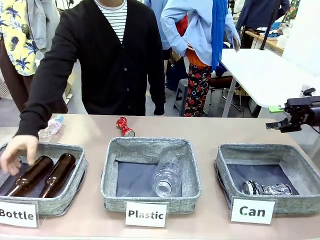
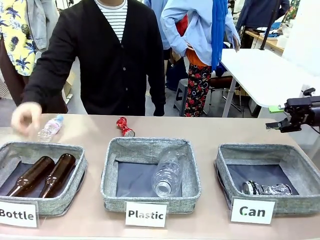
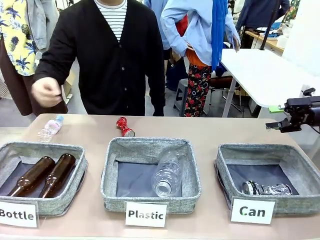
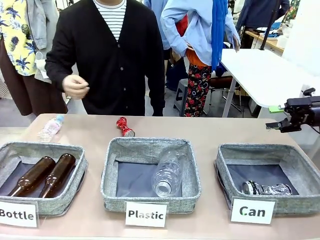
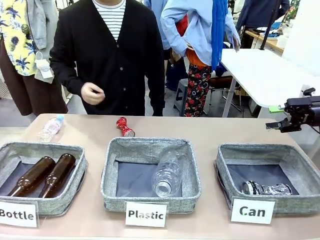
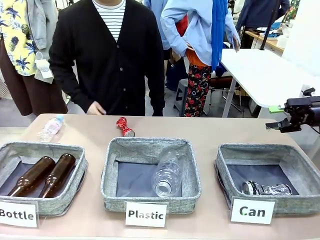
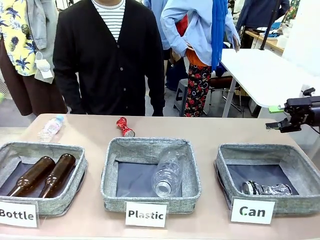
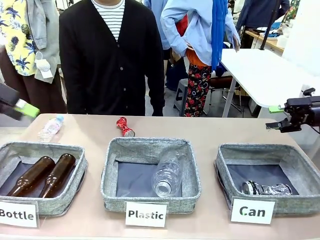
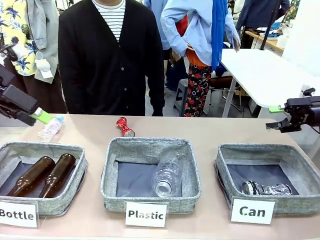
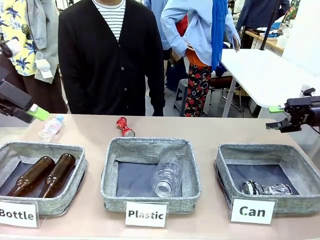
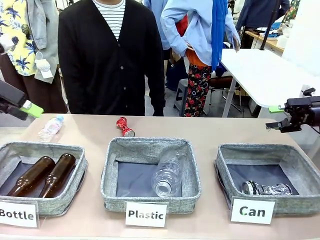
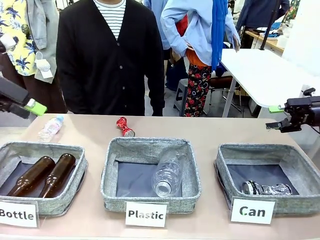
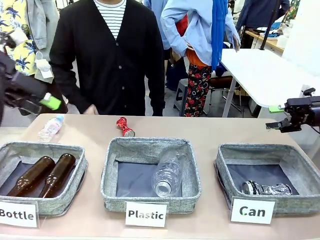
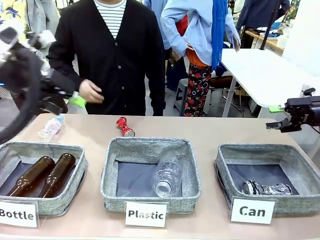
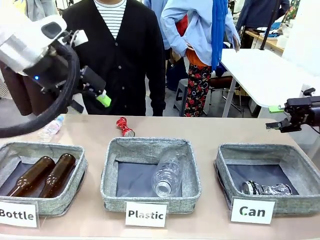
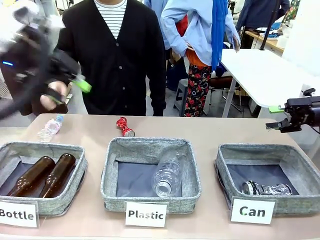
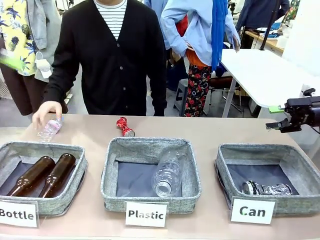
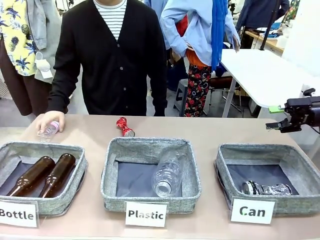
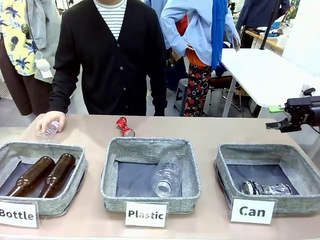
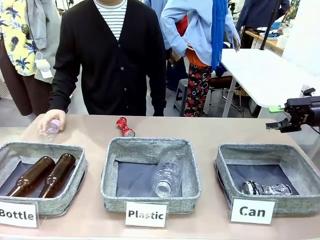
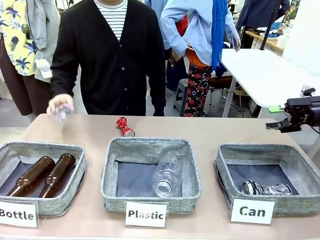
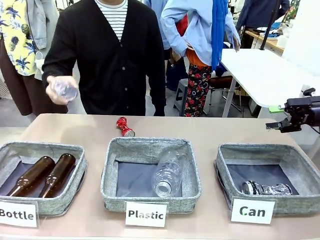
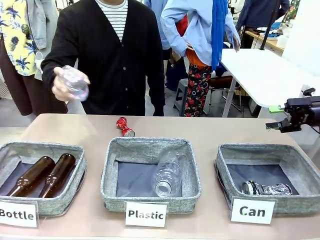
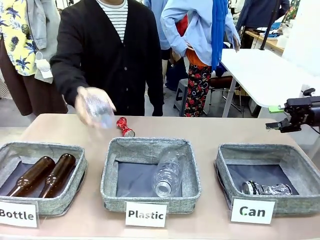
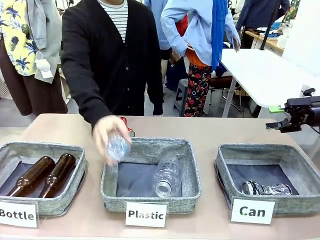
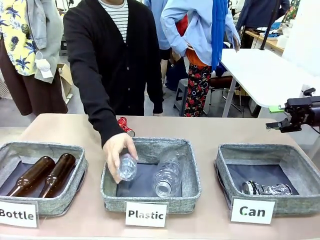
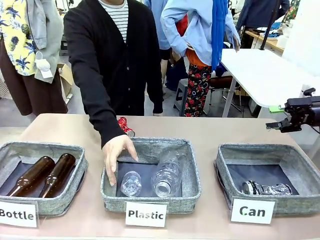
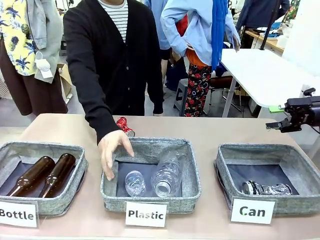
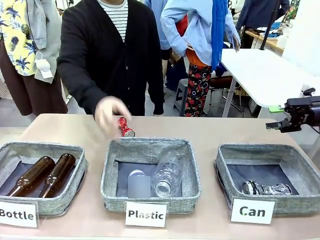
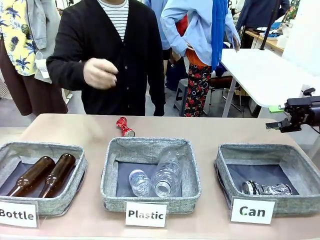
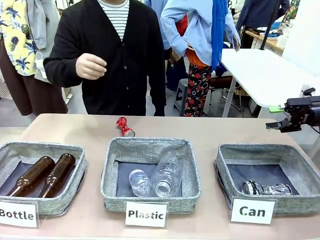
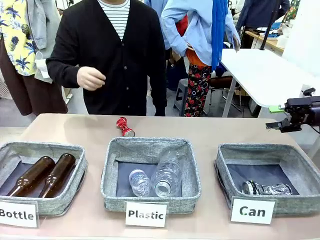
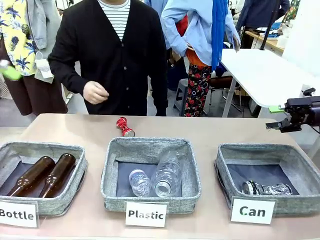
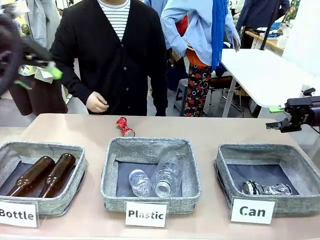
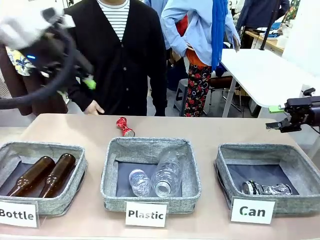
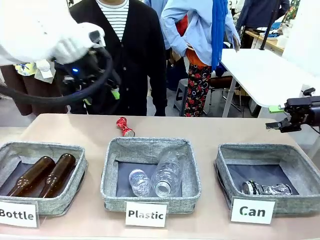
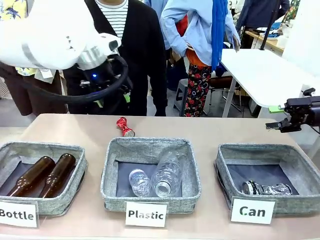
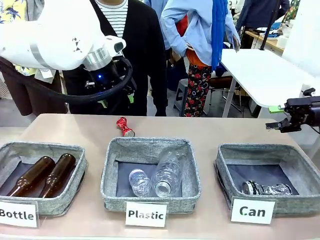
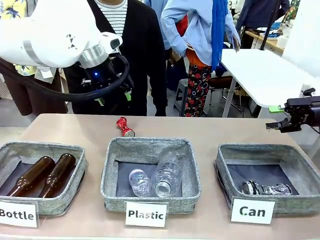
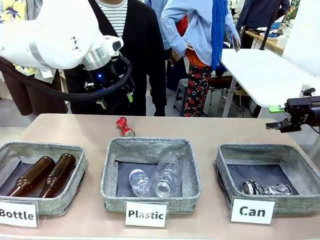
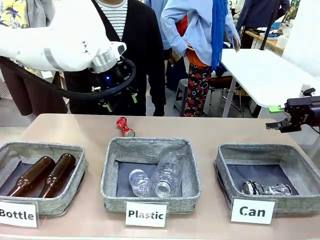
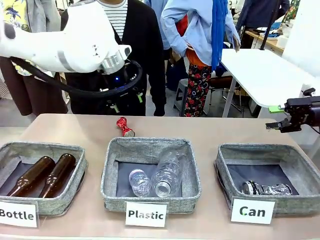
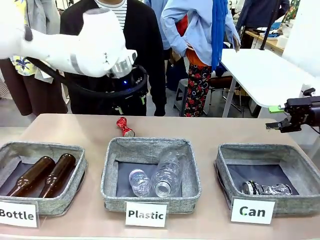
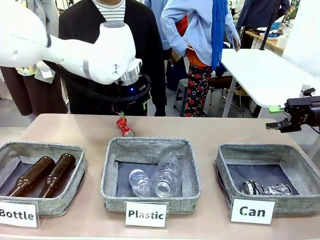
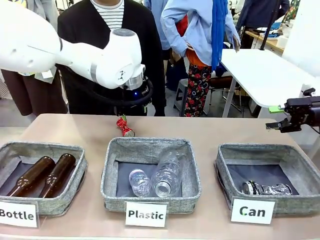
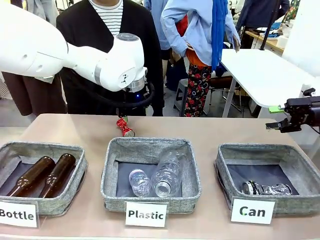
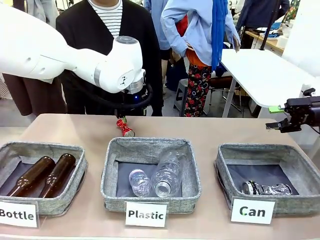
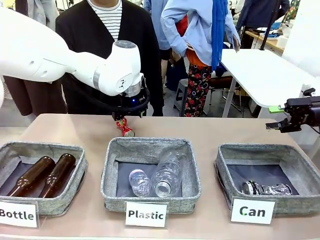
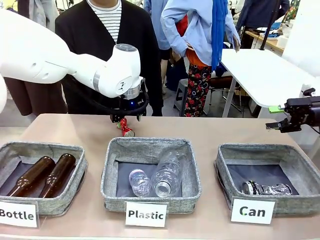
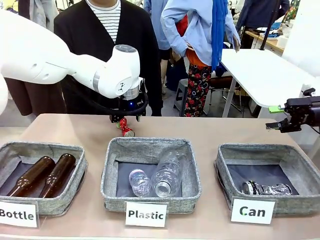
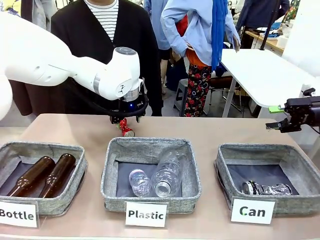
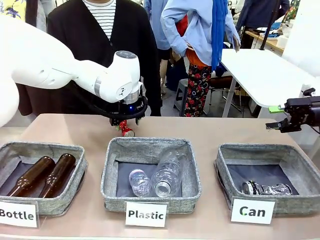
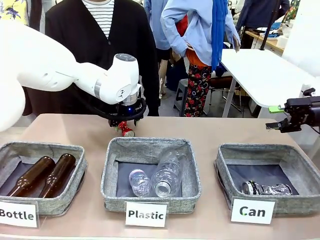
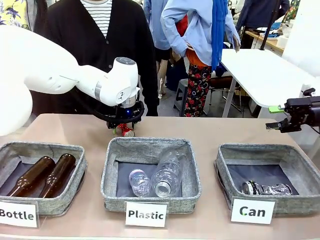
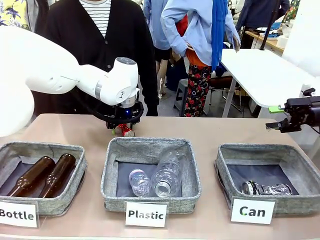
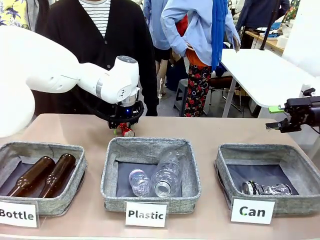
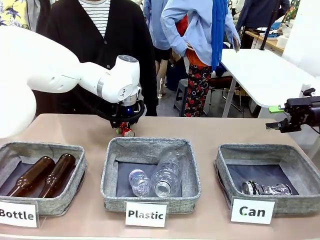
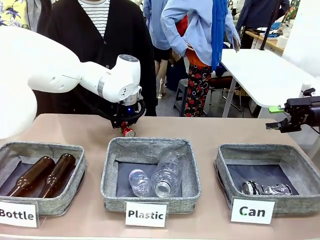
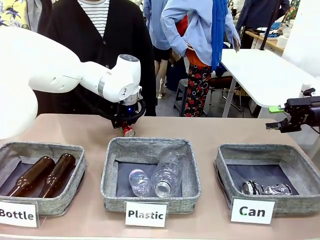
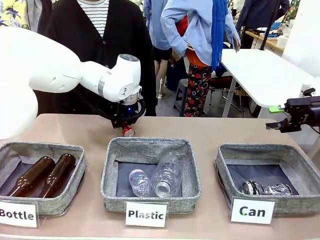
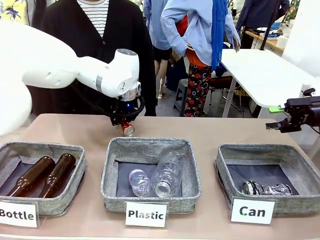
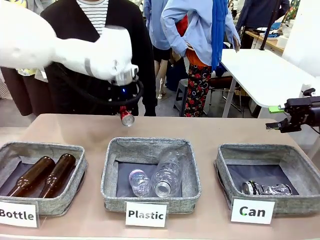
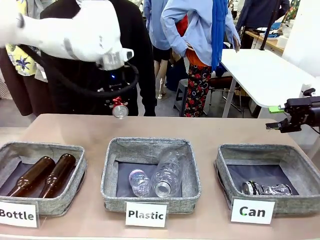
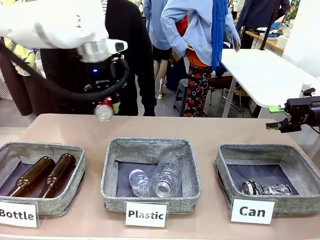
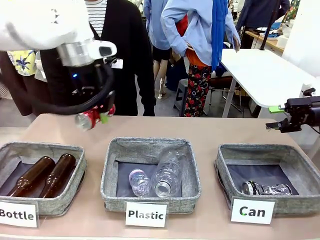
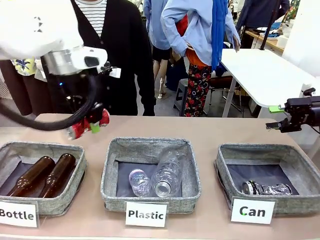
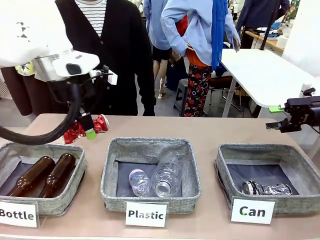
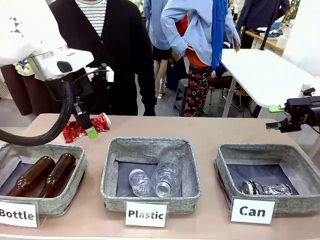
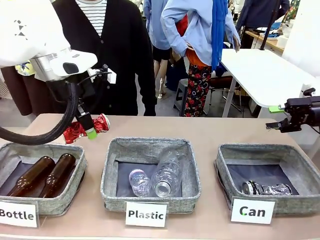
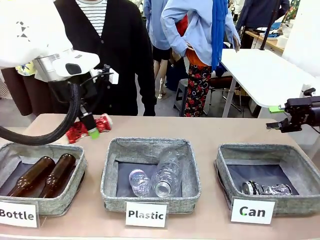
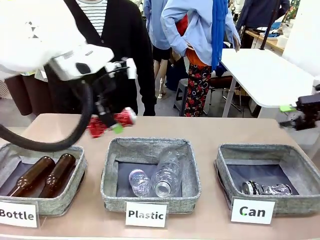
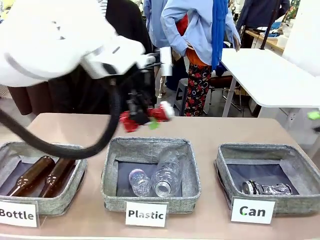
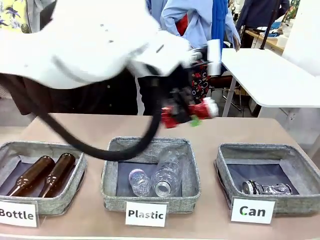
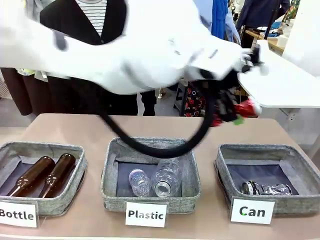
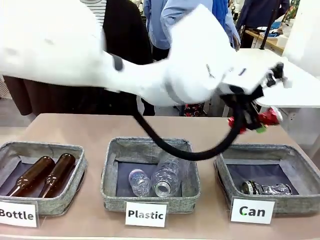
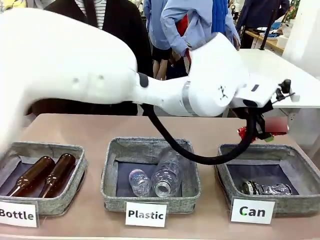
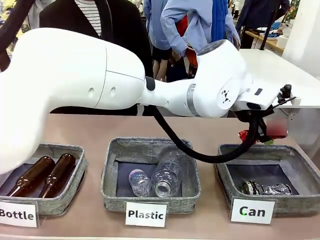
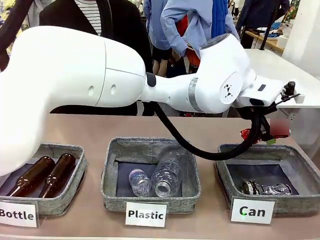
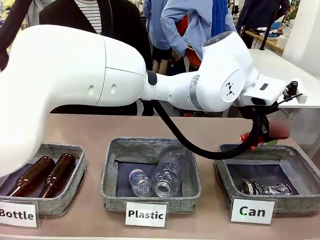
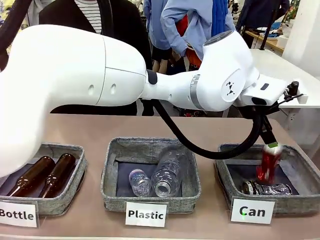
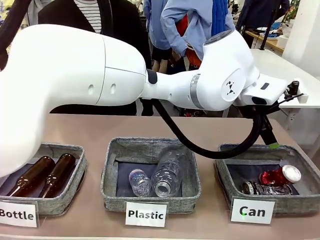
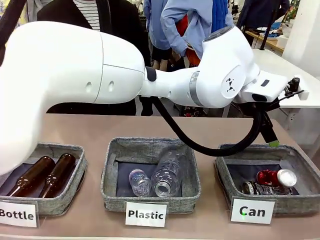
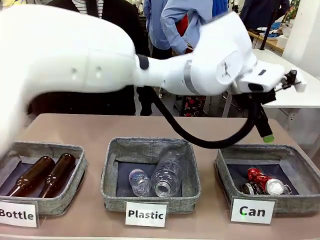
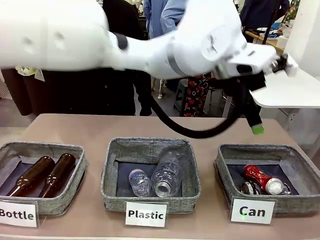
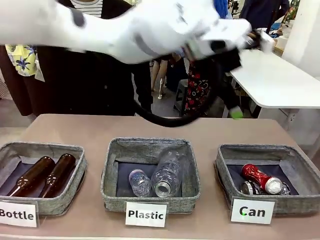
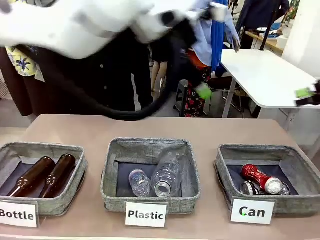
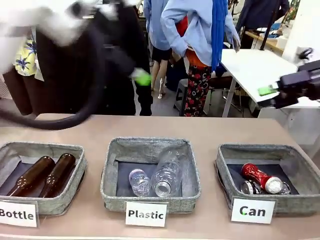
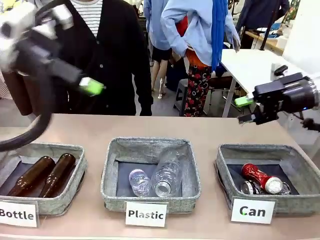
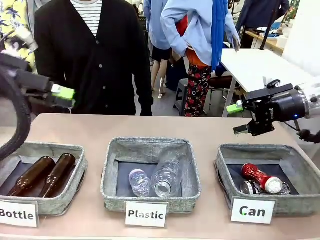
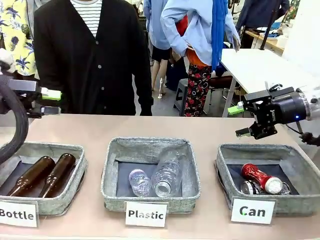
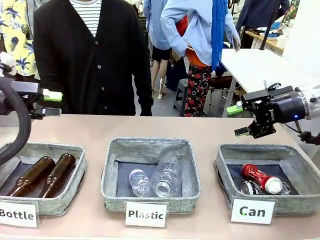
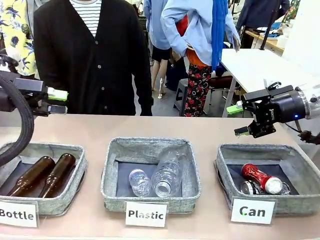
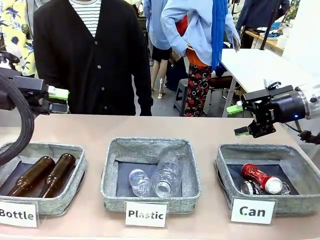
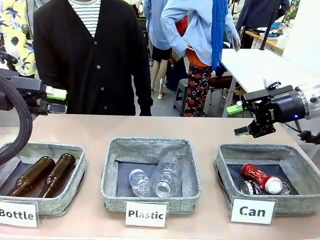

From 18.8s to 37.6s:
Task: Sort the can waste into the basket.
Robot: Pick up the can waste from the table and place it in the right Fabric basket.
